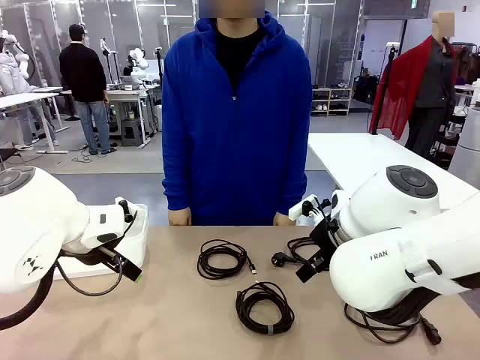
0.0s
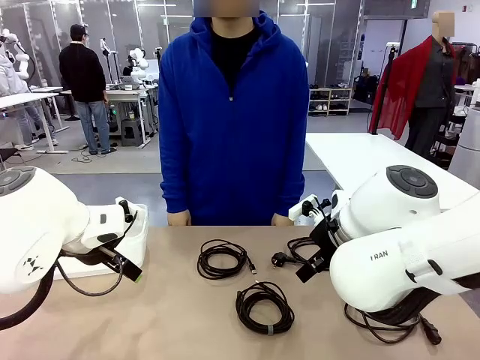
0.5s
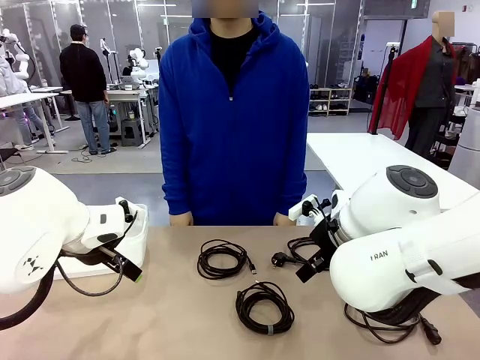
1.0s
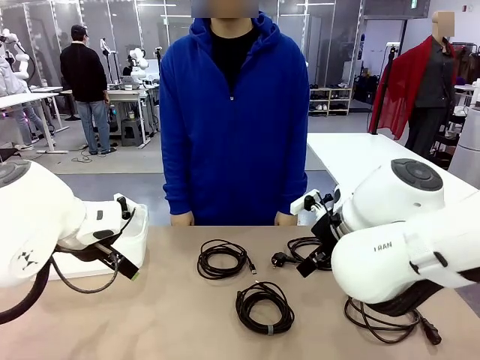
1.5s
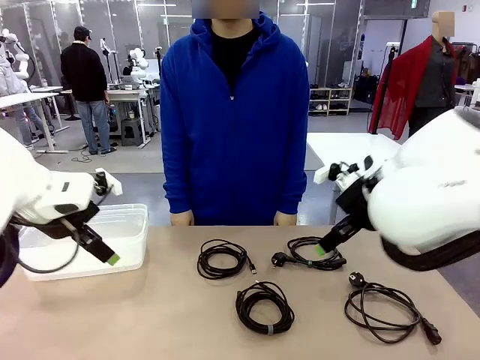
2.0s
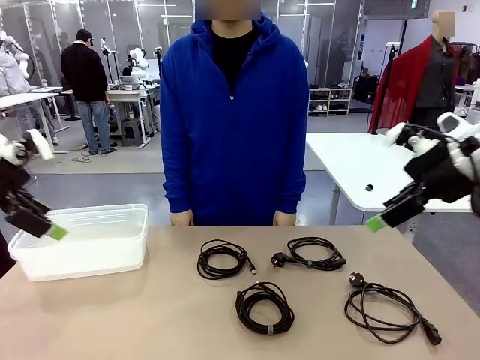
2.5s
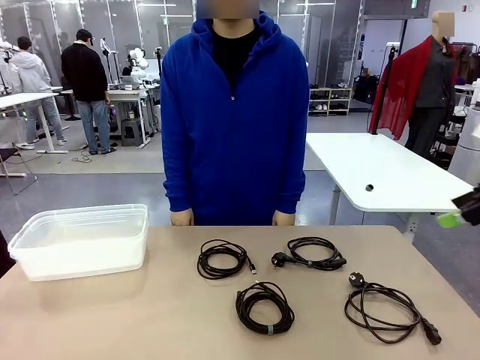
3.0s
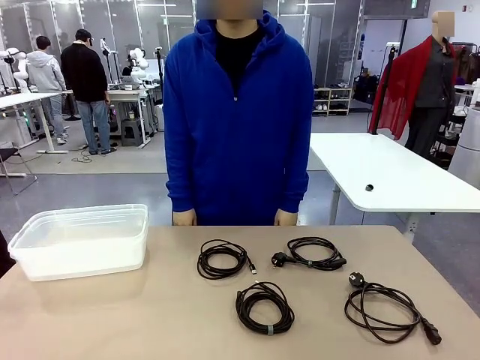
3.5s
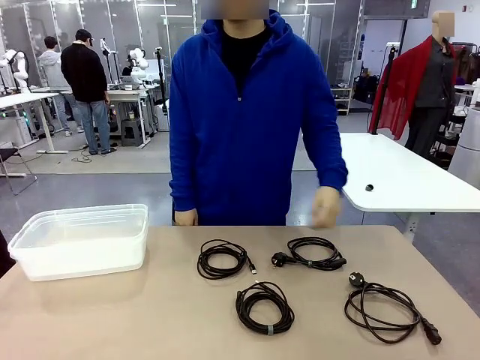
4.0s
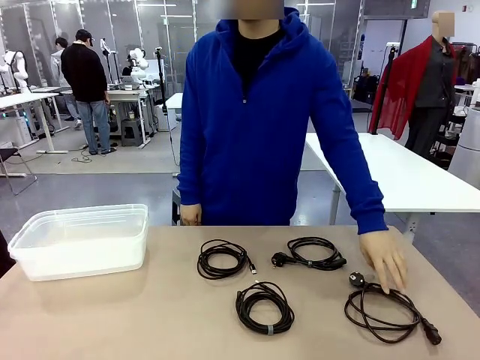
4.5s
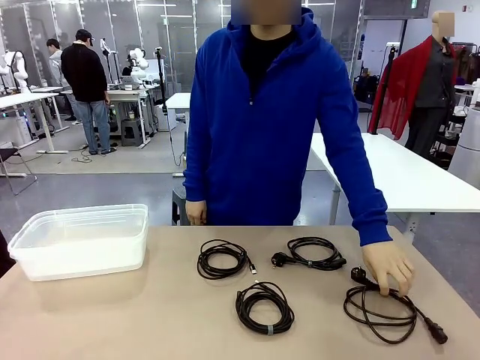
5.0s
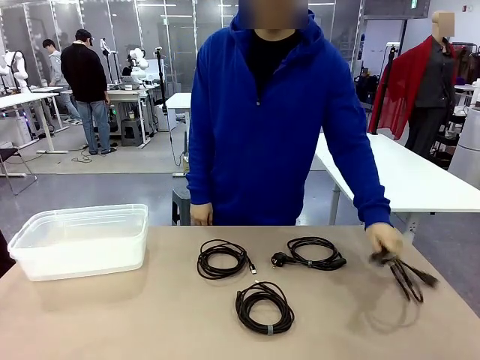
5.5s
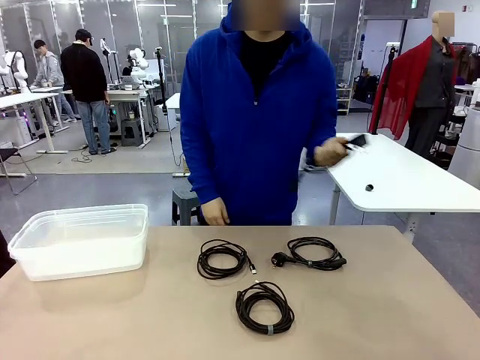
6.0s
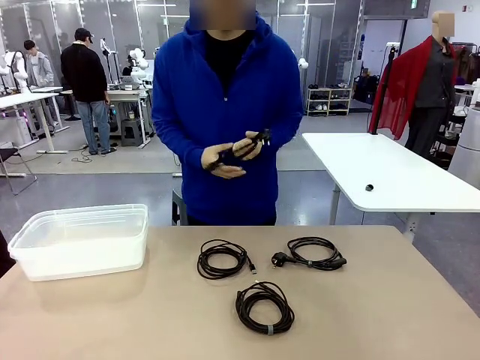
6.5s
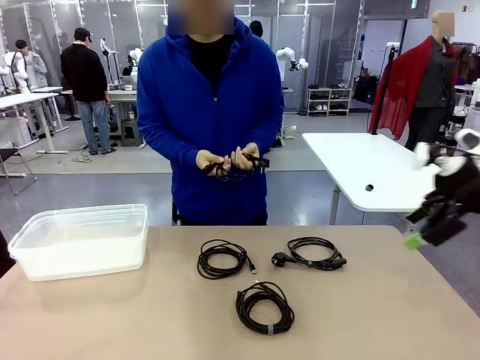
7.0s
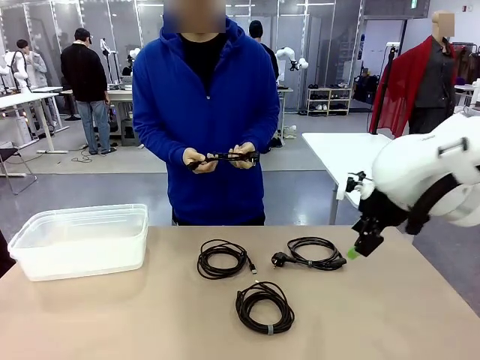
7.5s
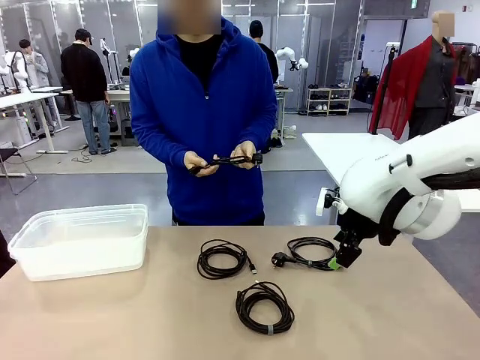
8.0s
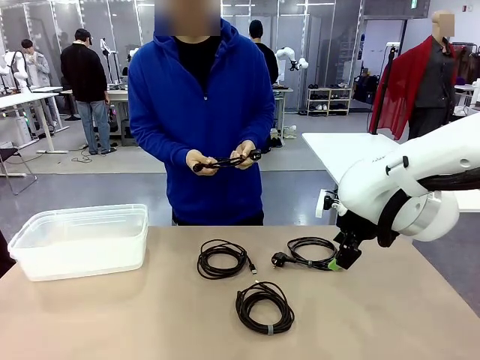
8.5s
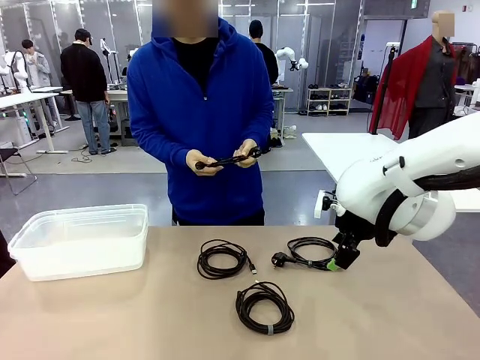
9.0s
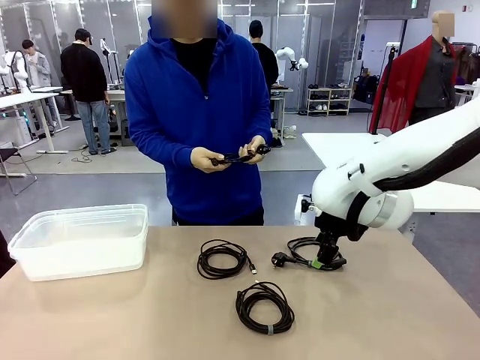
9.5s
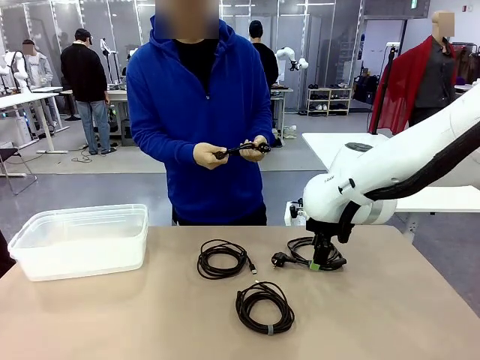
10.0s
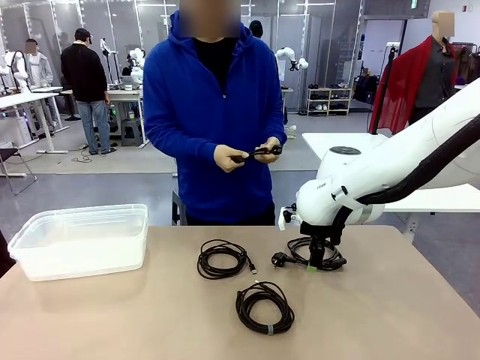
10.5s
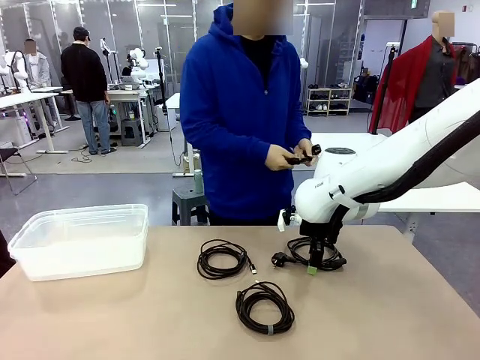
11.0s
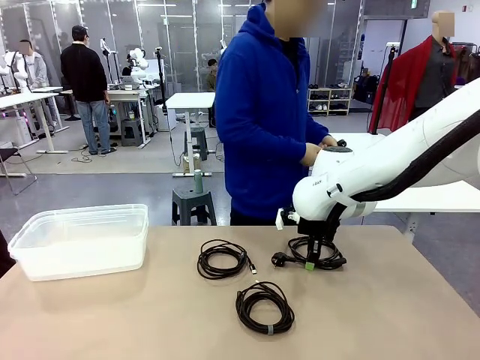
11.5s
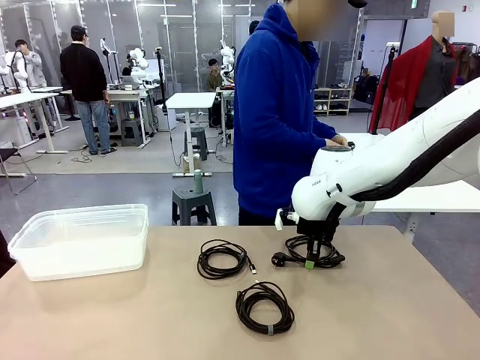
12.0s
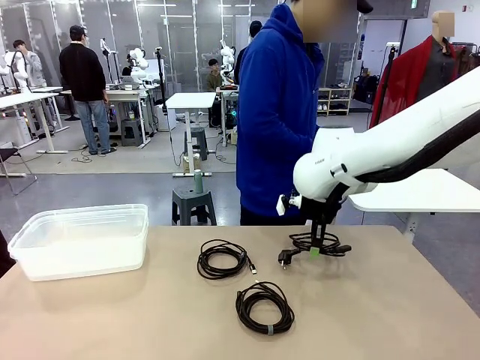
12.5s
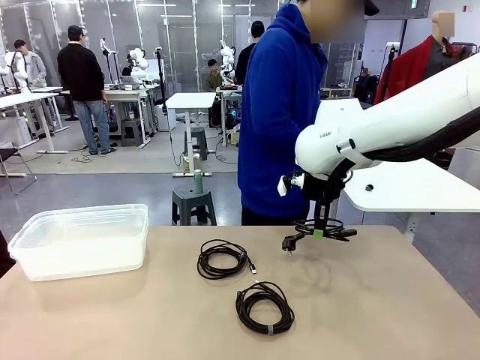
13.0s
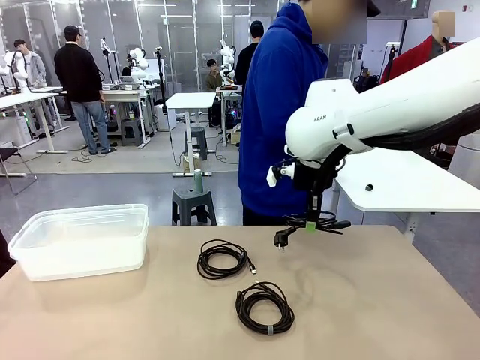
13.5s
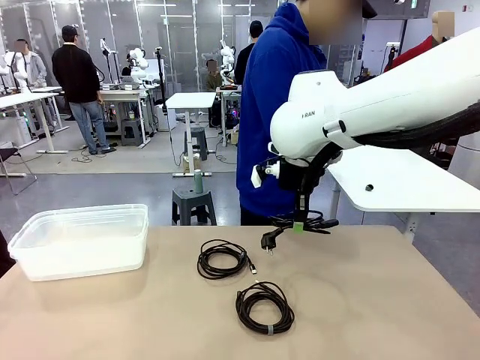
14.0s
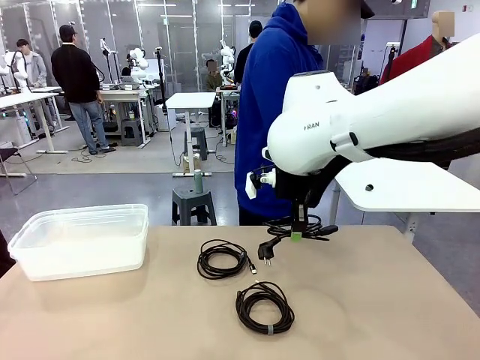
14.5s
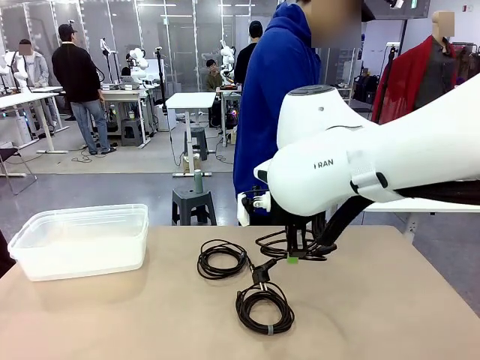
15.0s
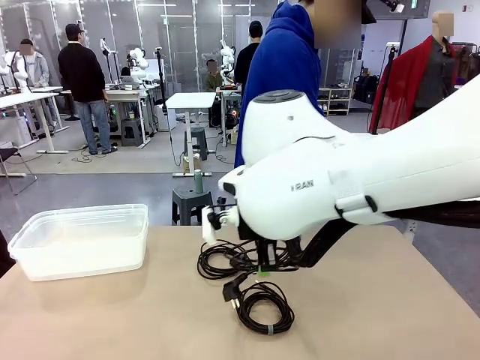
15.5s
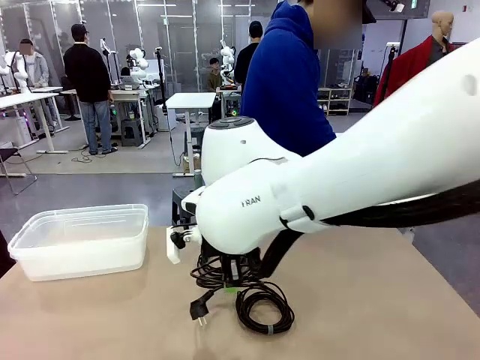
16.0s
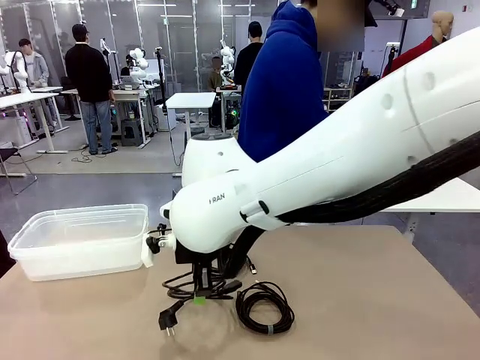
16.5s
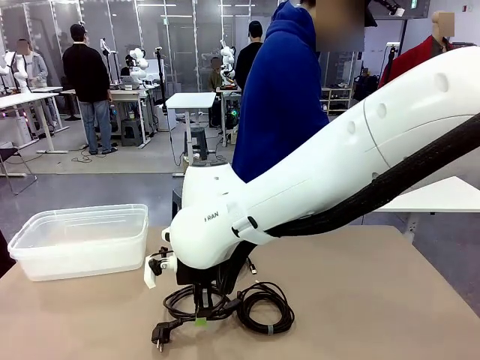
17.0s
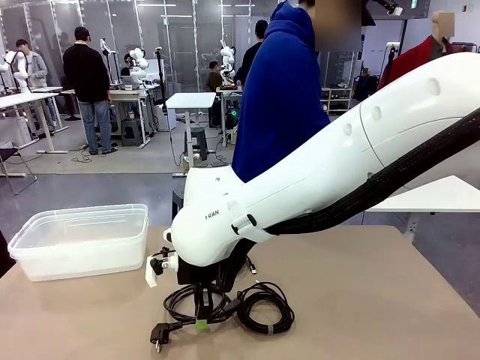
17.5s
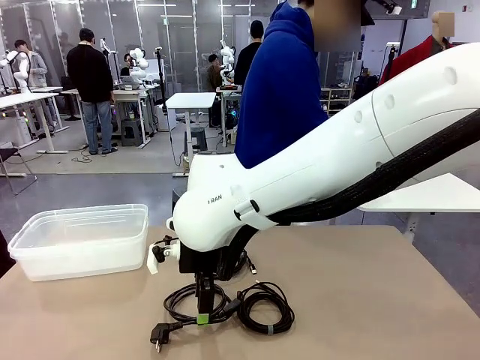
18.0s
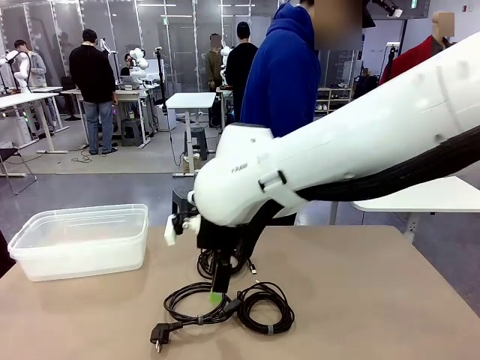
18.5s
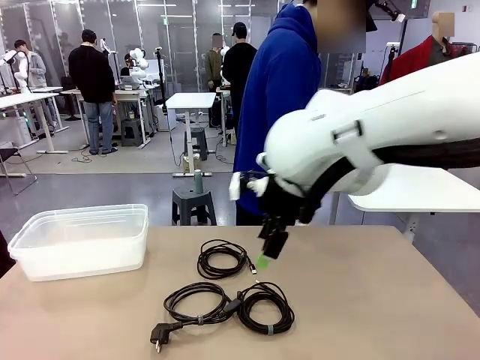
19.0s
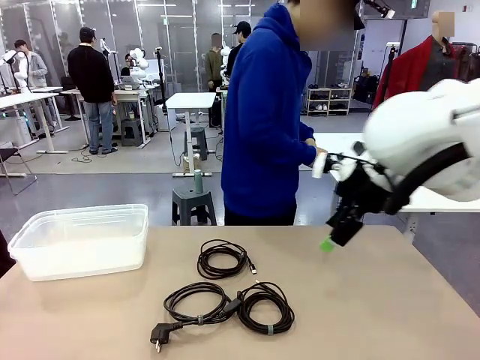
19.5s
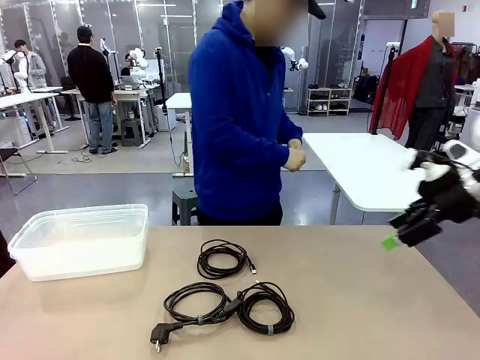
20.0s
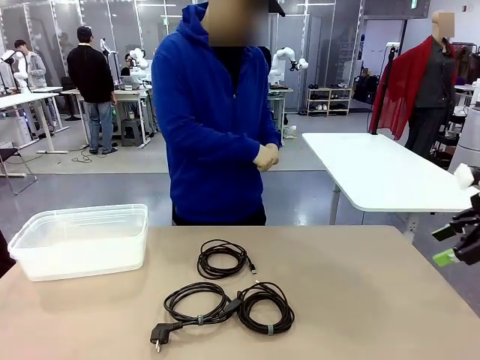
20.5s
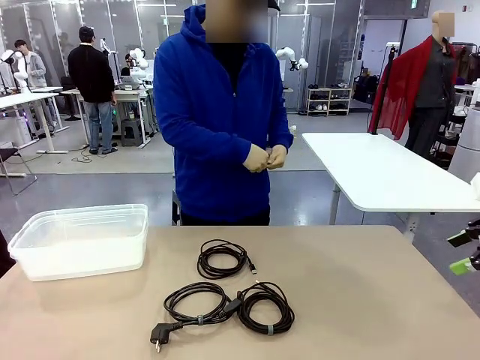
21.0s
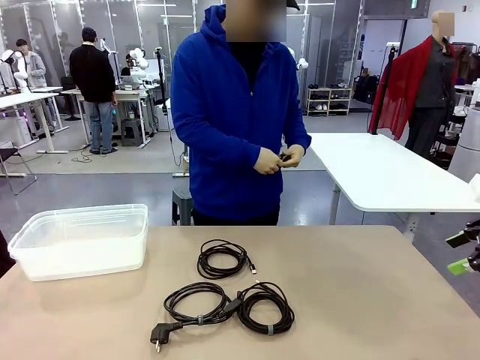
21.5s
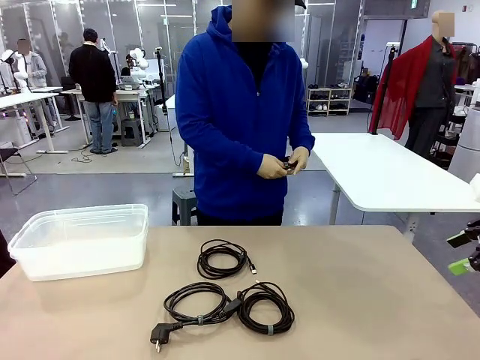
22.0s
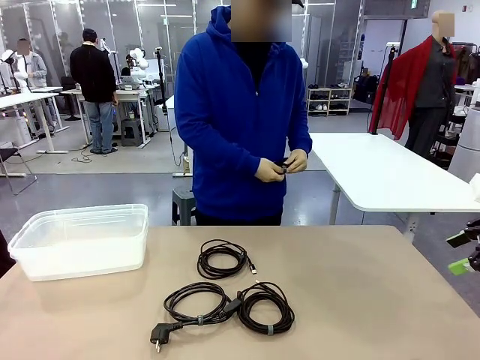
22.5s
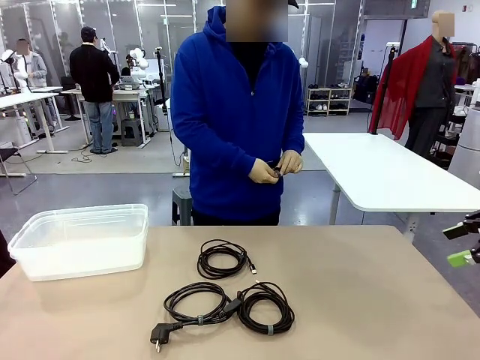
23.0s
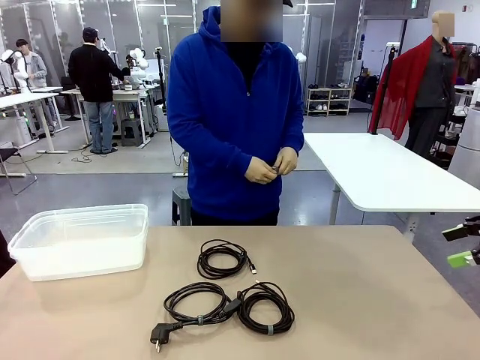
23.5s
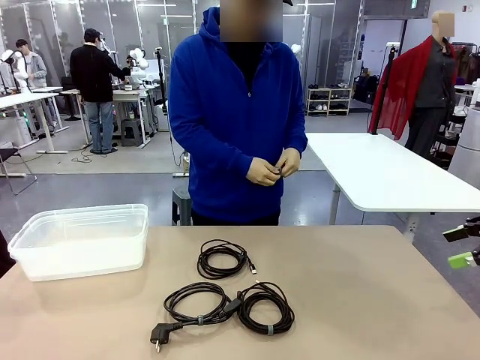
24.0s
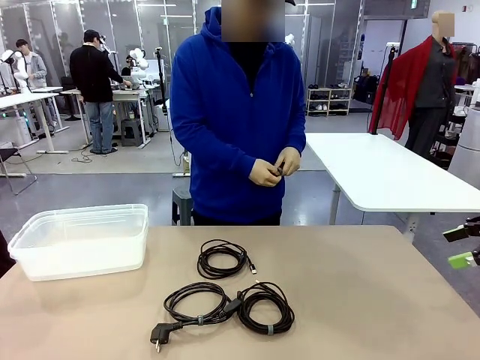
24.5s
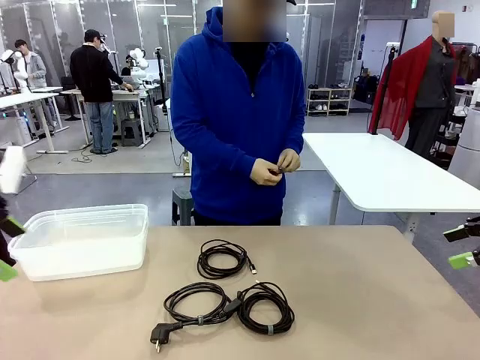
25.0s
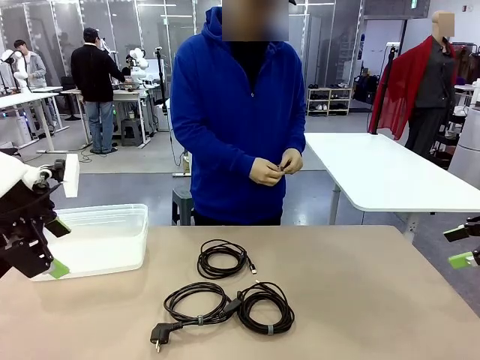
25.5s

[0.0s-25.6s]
Task: Organize and store the cables.
Robot: Place the Power Cable into the Organizing box.
Person: Tie one Power Cable with a Reusable Cable Tie.
